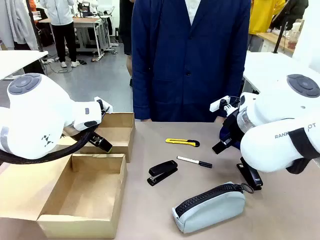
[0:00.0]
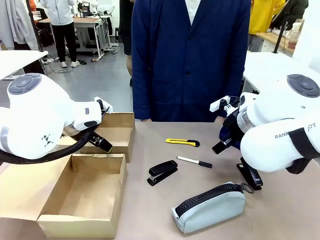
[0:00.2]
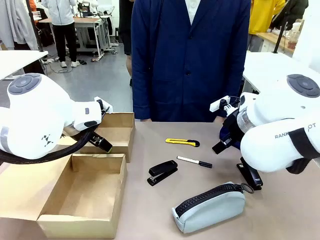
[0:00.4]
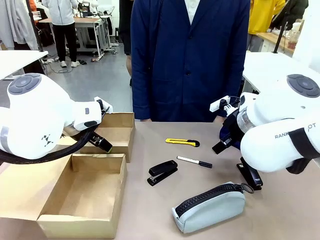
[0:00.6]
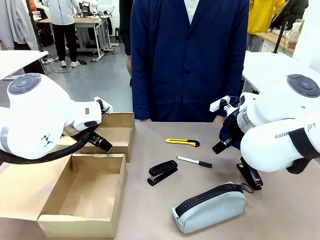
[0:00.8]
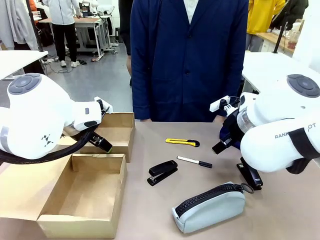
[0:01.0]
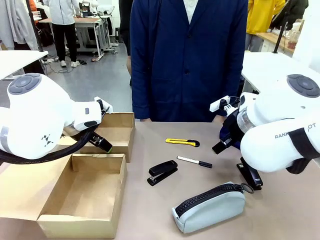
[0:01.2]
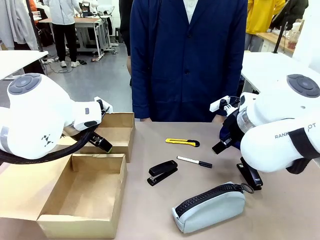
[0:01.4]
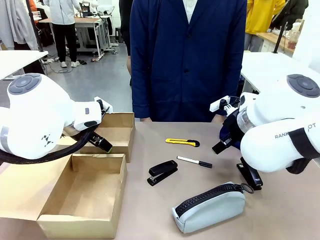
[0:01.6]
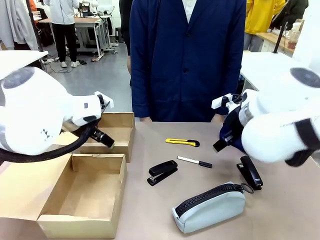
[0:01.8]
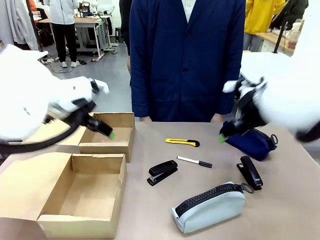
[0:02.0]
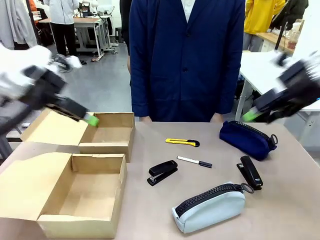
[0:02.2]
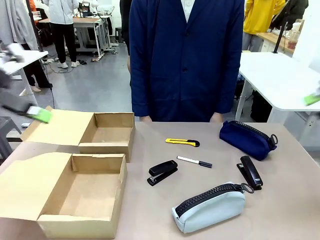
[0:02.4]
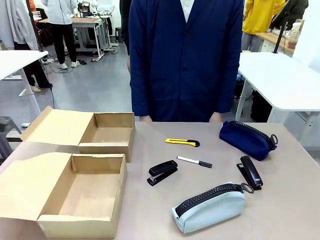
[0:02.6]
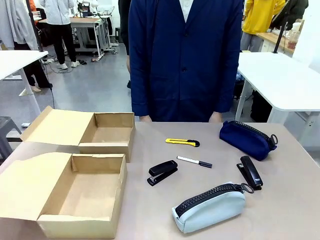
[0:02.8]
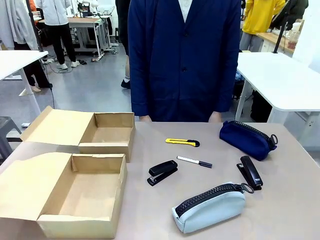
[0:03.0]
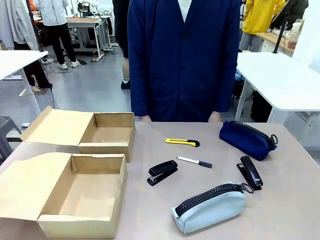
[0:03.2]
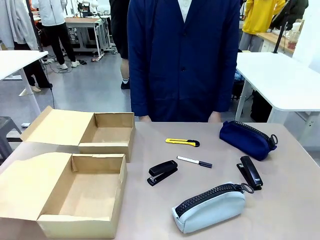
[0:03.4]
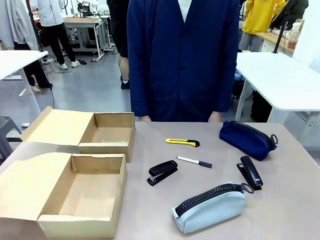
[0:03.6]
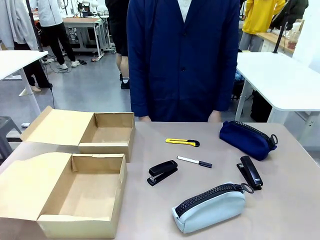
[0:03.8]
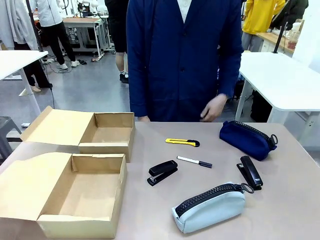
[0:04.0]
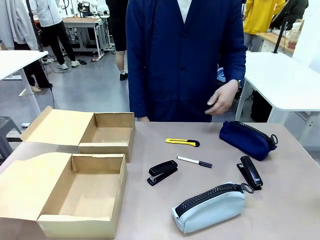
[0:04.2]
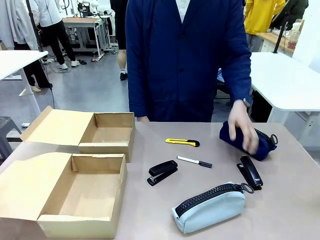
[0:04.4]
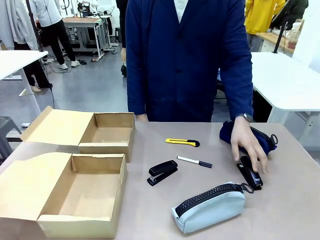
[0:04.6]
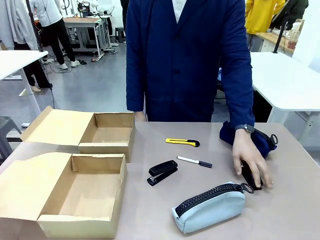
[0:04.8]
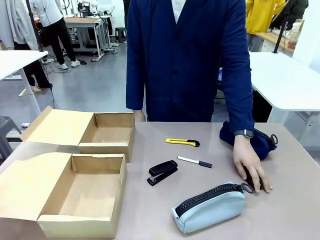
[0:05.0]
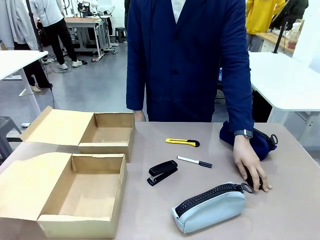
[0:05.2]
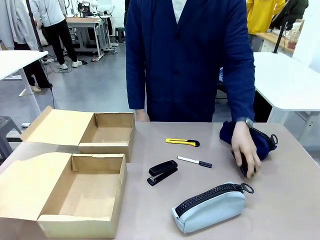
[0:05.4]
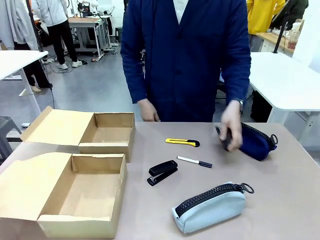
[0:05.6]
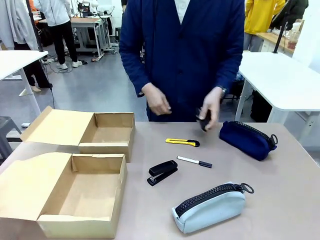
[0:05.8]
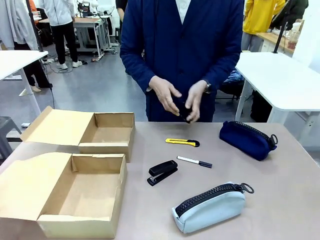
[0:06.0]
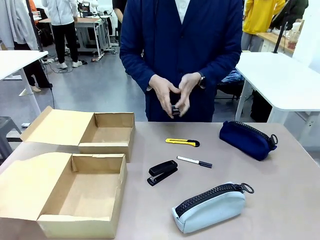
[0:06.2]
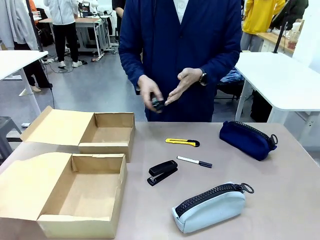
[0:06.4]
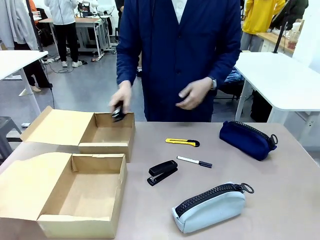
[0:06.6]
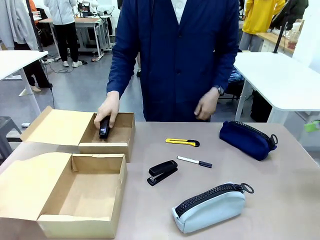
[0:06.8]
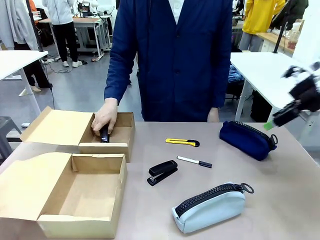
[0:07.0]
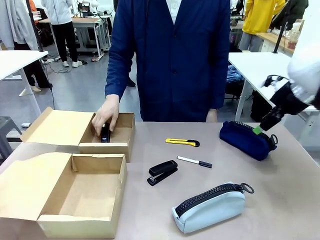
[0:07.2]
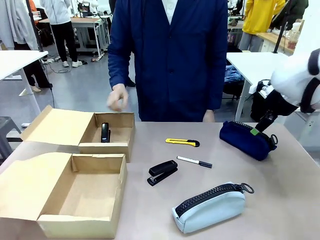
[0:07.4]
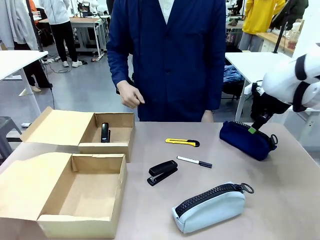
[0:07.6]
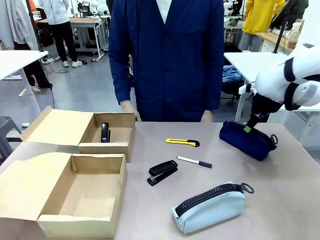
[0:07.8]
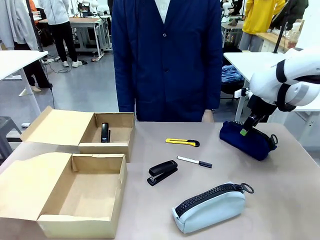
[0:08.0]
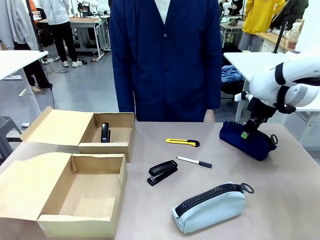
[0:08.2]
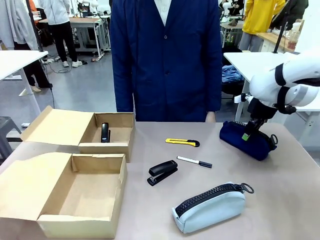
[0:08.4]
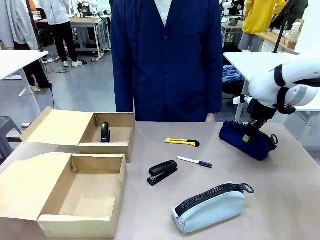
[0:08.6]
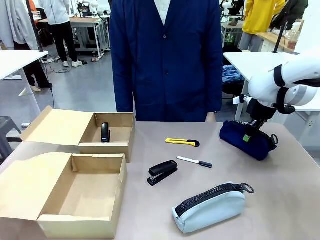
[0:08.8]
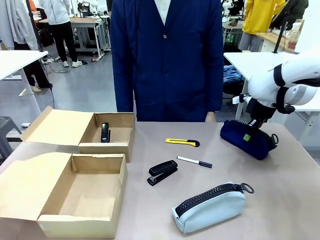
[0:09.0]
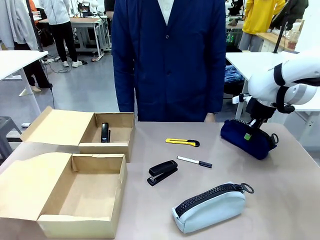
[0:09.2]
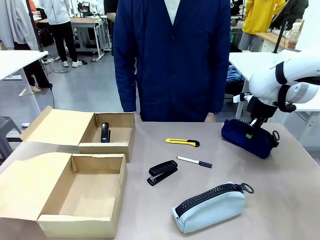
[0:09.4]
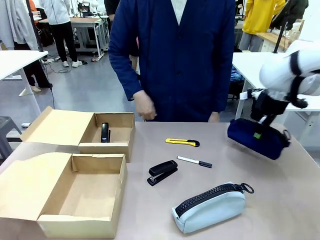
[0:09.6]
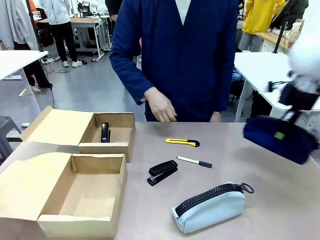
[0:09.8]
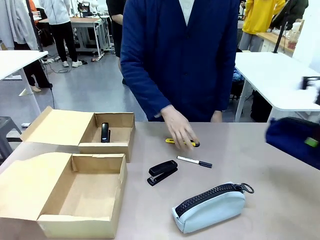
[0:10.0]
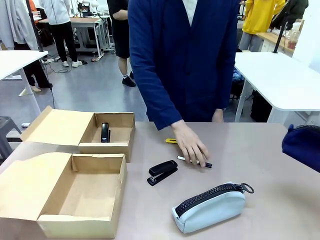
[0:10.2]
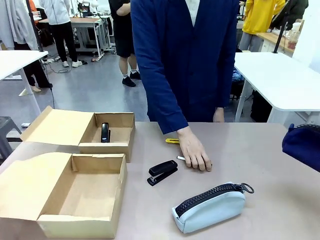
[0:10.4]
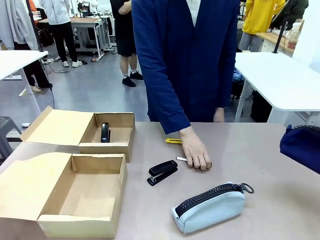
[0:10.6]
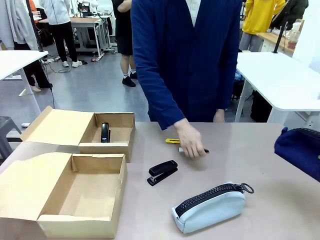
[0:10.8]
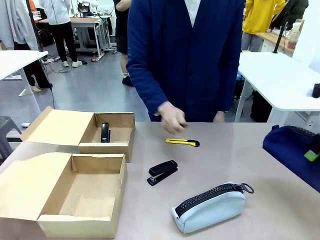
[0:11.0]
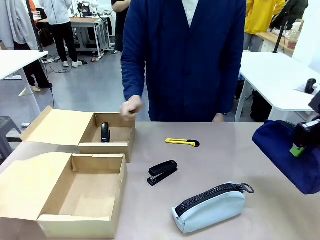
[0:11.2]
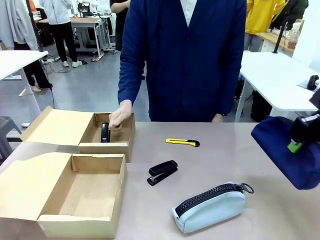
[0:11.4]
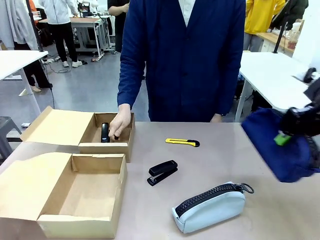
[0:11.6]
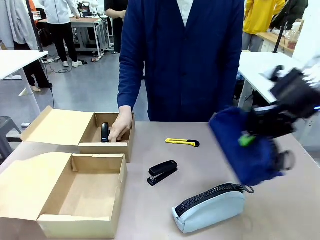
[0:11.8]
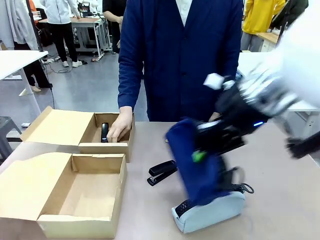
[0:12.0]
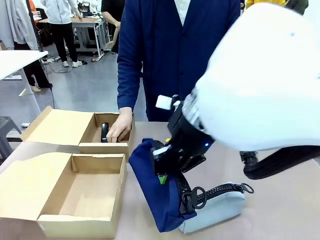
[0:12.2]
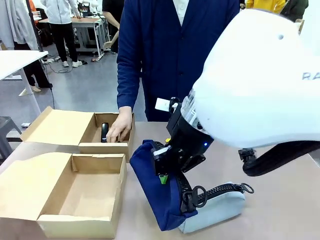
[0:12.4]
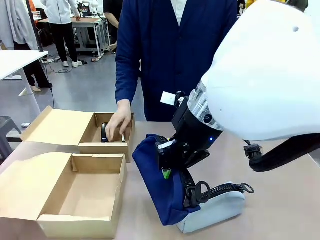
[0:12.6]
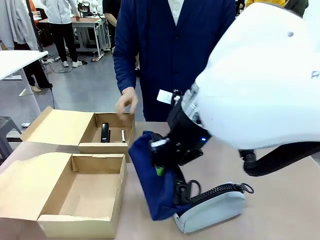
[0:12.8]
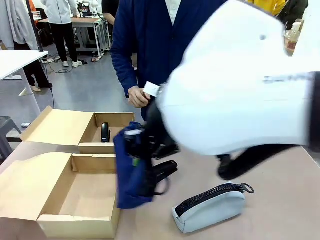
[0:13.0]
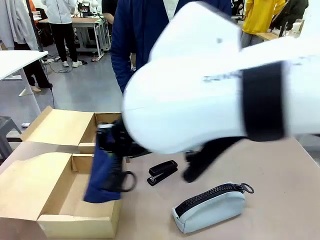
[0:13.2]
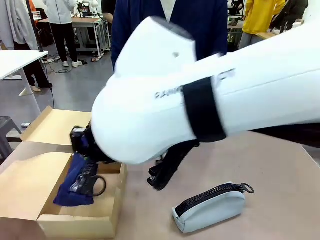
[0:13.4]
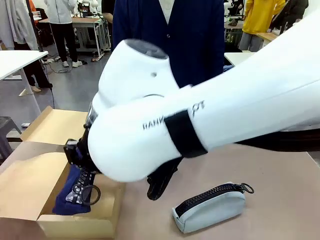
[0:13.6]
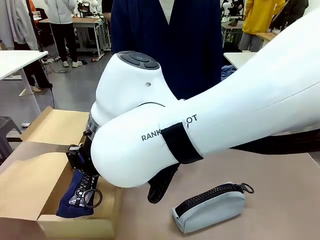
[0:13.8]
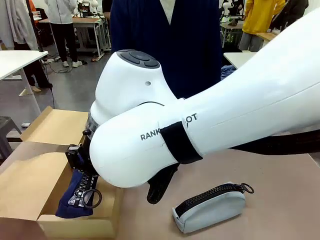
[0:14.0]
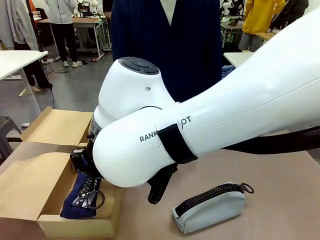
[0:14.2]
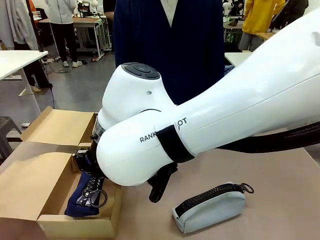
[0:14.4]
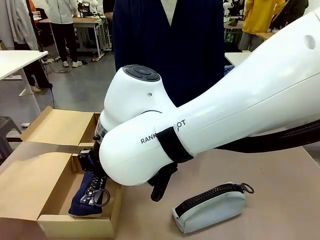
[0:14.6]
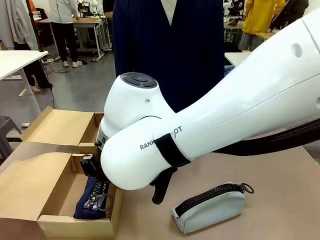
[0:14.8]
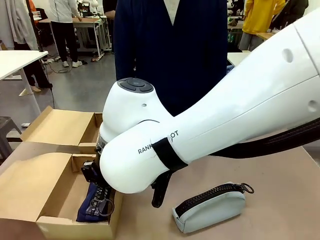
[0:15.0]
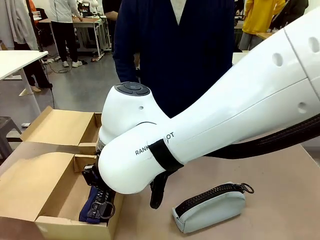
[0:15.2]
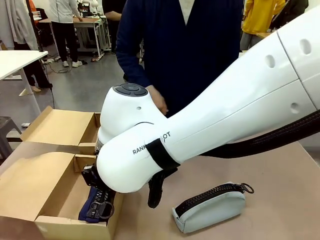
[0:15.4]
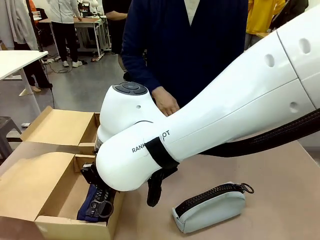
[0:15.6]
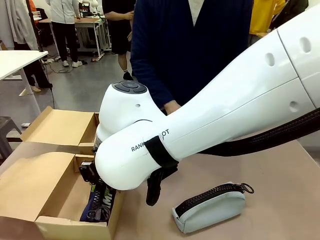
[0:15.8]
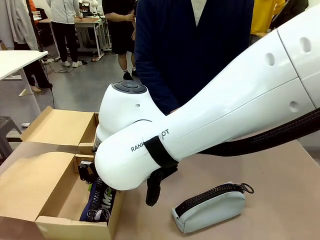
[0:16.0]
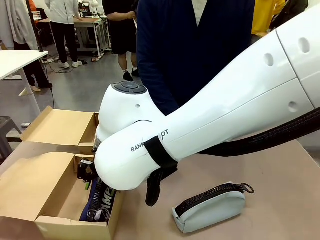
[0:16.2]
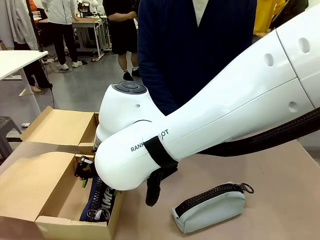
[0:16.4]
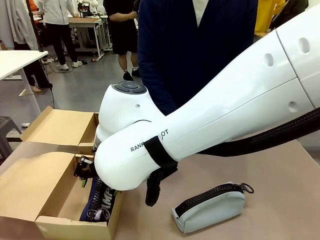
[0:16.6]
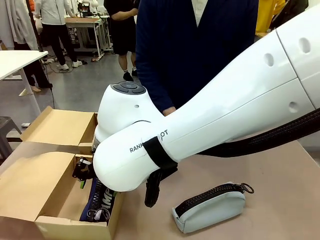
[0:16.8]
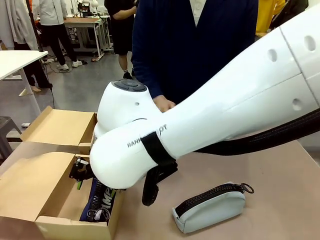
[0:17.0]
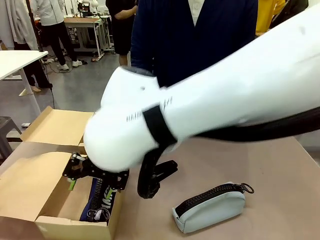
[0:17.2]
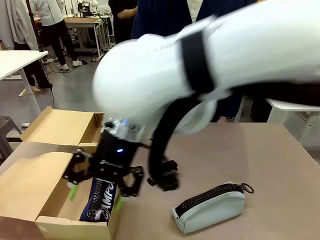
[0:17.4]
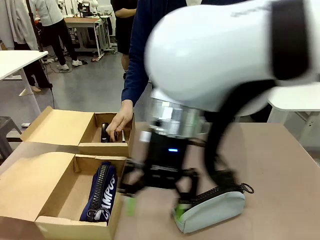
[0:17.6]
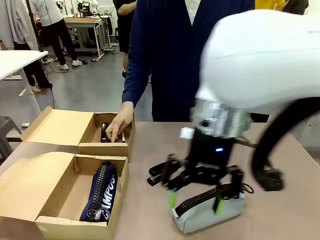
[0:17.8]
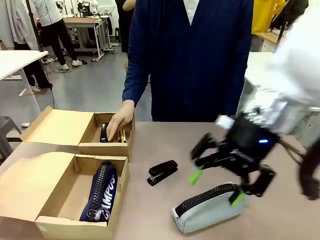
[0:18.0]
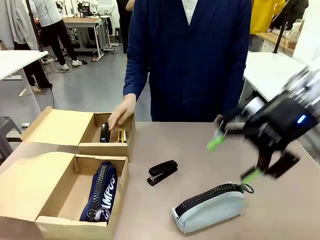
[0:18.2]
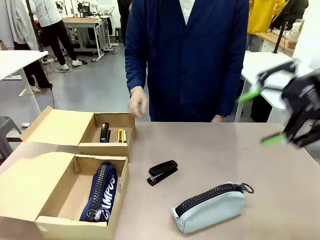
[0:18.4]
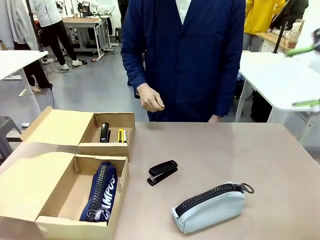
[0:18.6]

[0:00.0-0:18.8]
Task: Place items inside the box.
Robot: Pick up a Pencil pouch or Stapler and place it inside the Mailer Box closest to the robot.
Person: Pick up an object on the table and put it in the box.
